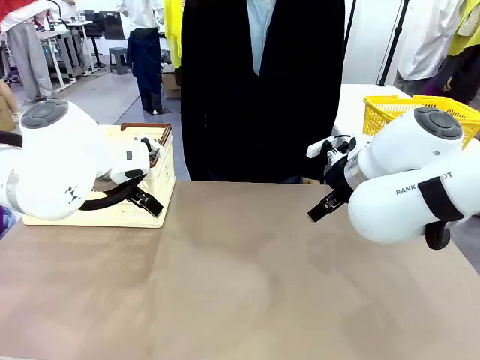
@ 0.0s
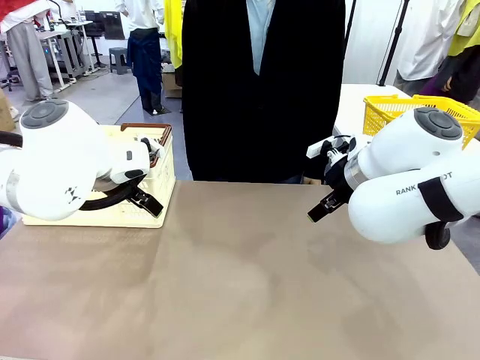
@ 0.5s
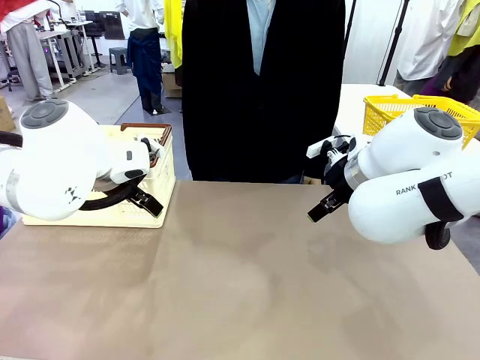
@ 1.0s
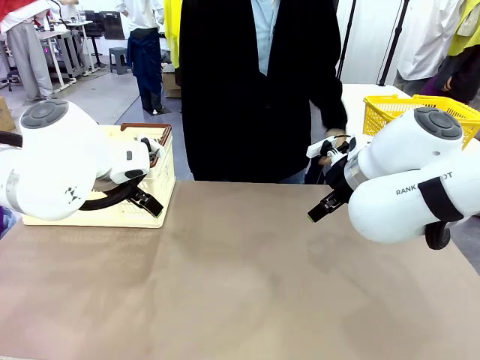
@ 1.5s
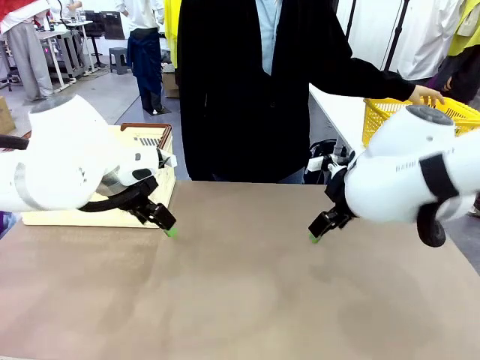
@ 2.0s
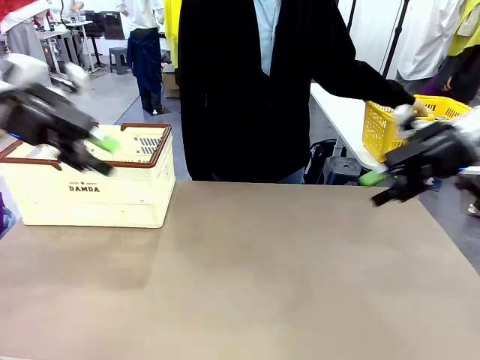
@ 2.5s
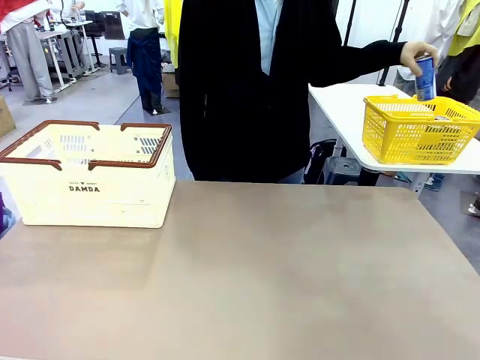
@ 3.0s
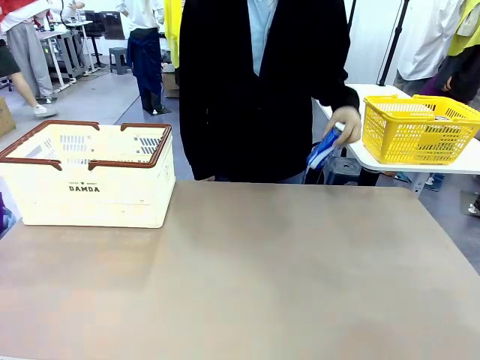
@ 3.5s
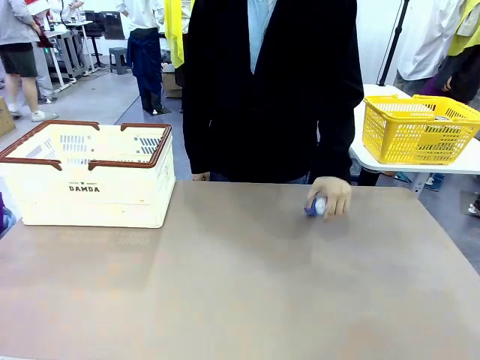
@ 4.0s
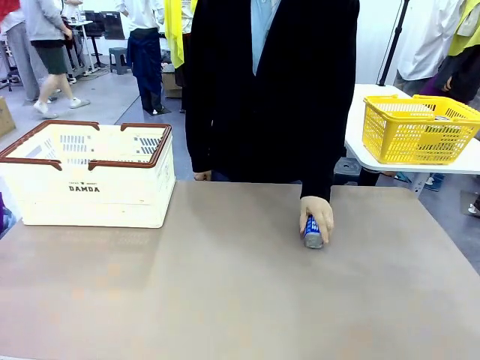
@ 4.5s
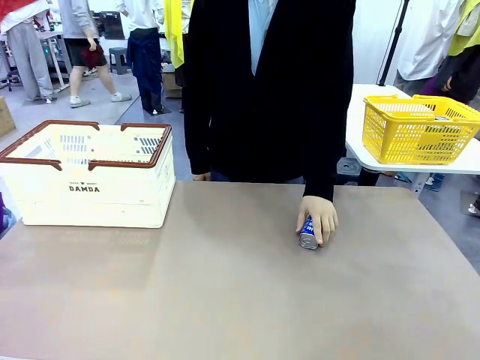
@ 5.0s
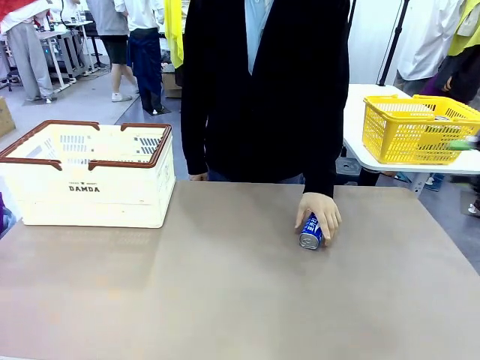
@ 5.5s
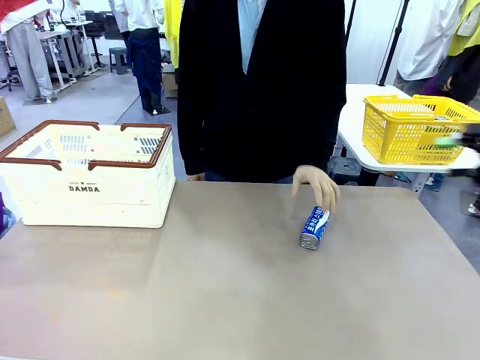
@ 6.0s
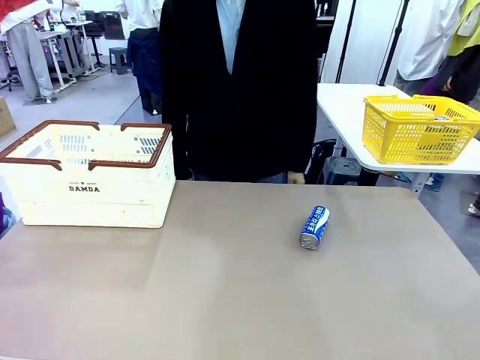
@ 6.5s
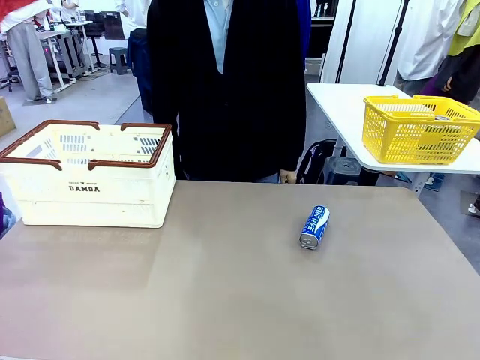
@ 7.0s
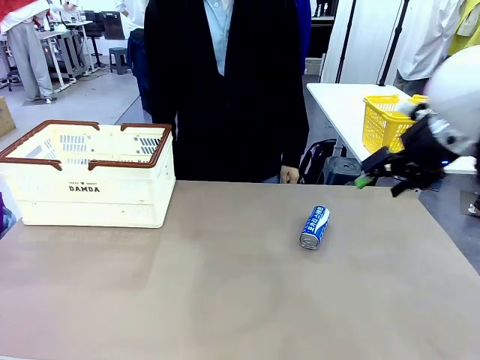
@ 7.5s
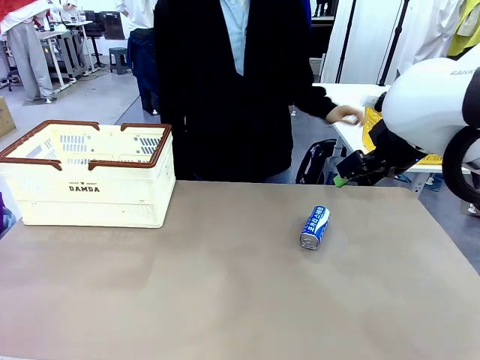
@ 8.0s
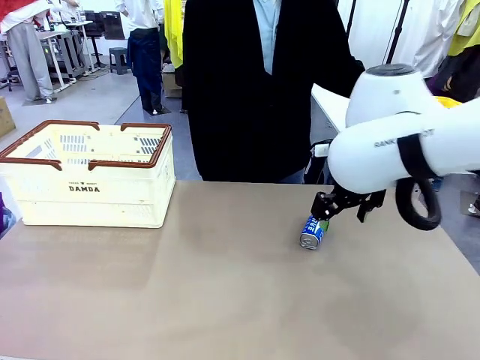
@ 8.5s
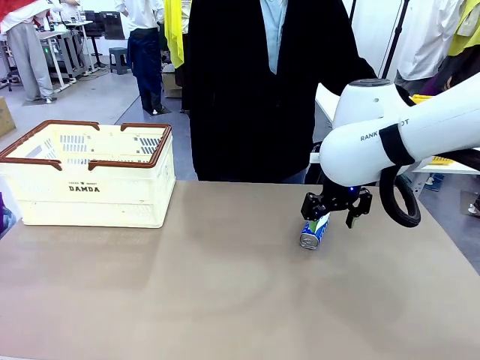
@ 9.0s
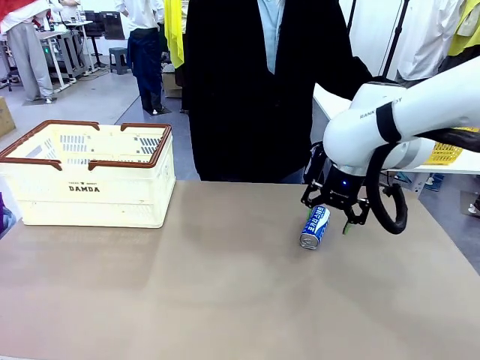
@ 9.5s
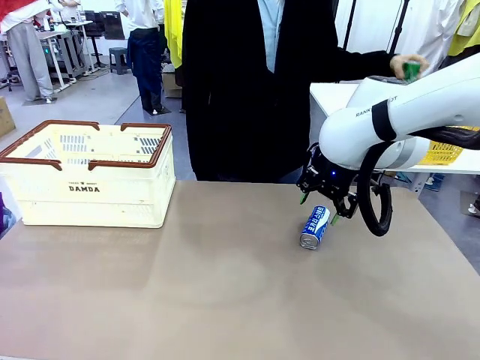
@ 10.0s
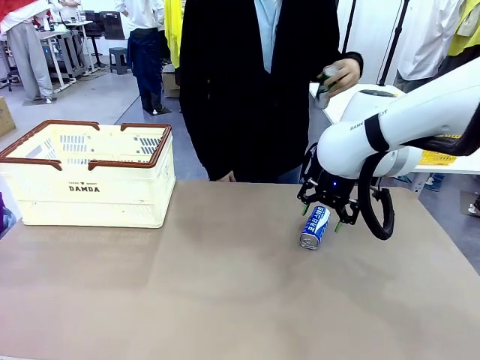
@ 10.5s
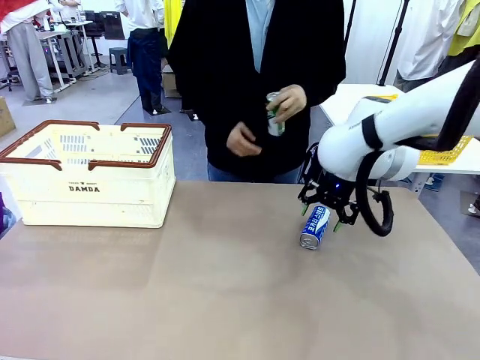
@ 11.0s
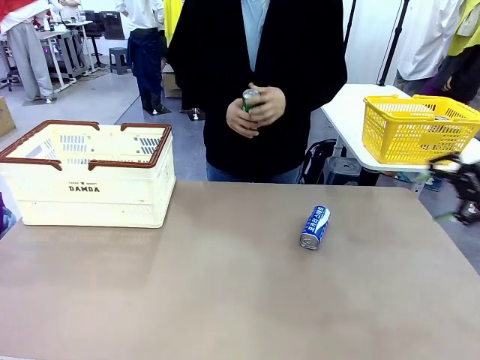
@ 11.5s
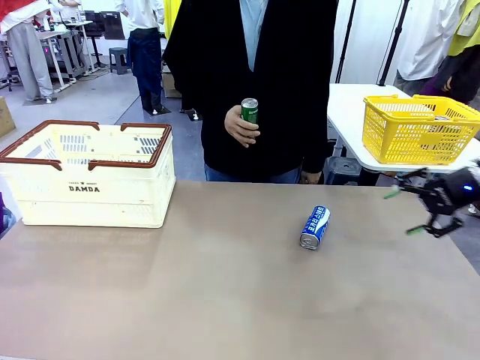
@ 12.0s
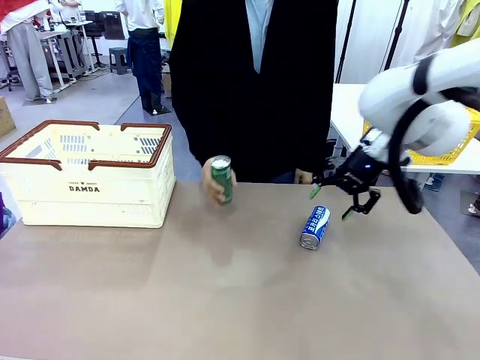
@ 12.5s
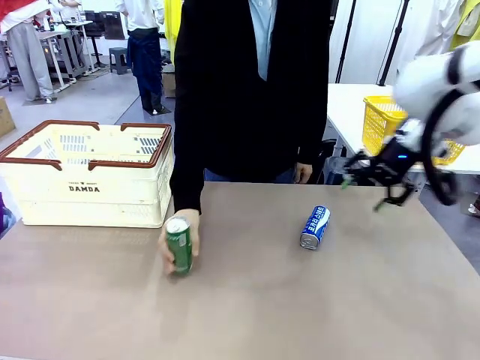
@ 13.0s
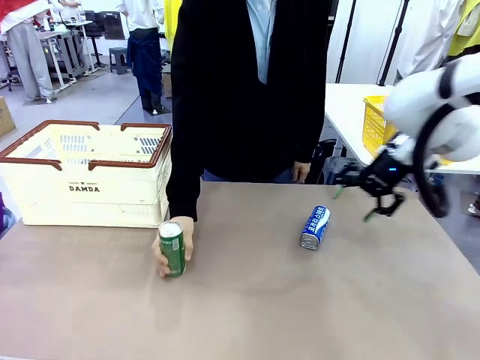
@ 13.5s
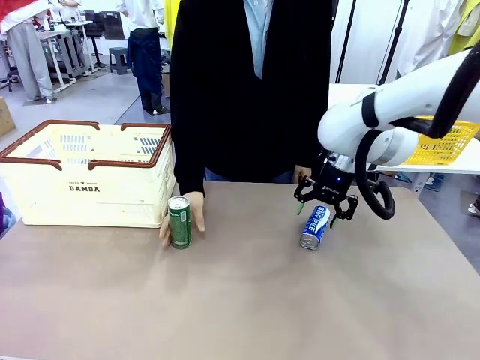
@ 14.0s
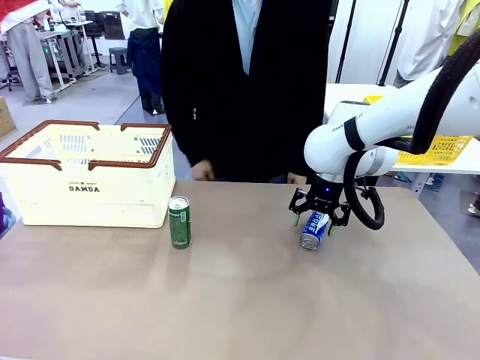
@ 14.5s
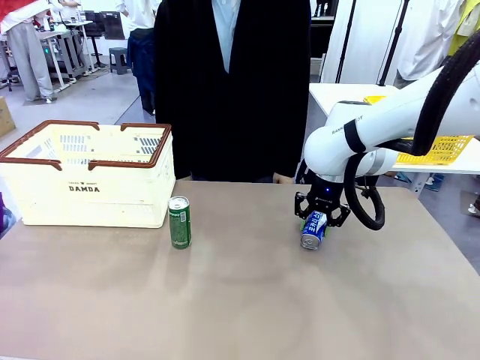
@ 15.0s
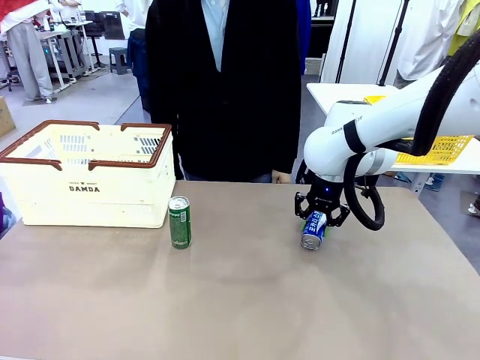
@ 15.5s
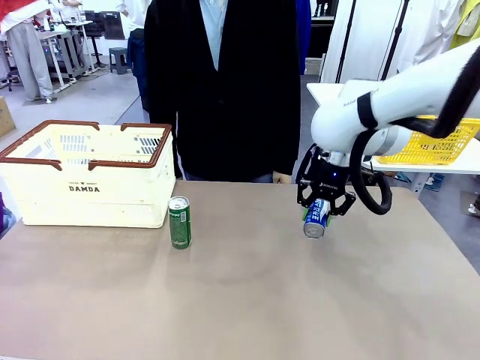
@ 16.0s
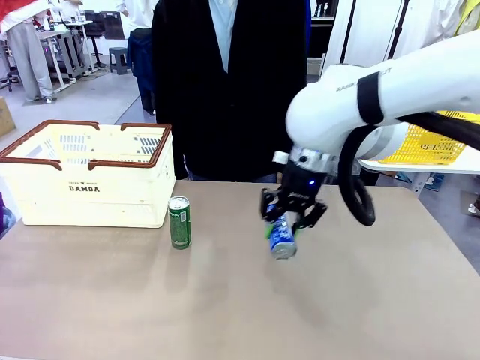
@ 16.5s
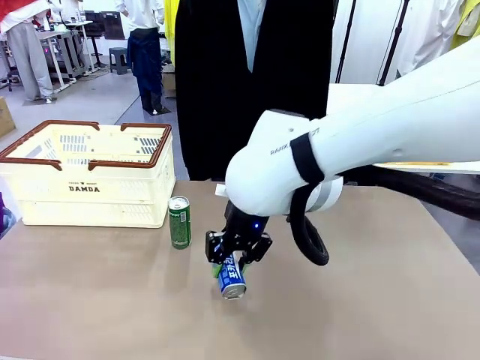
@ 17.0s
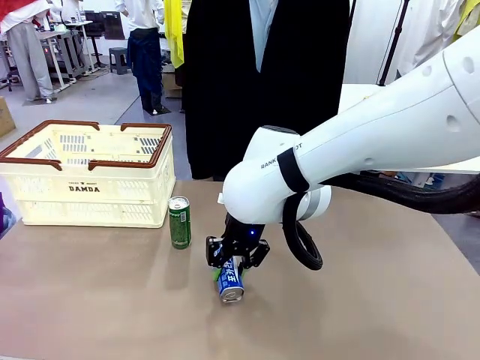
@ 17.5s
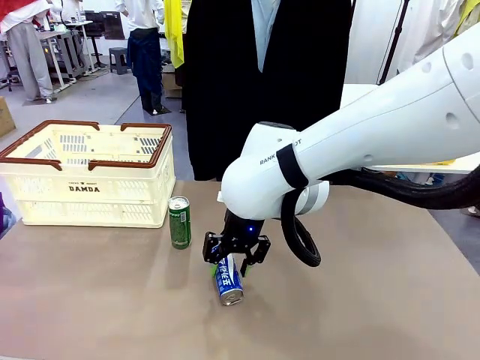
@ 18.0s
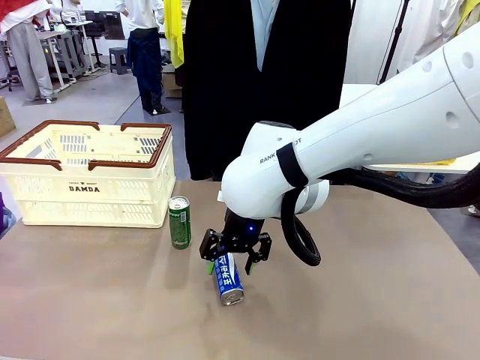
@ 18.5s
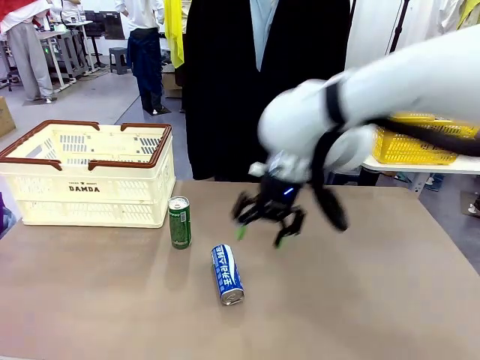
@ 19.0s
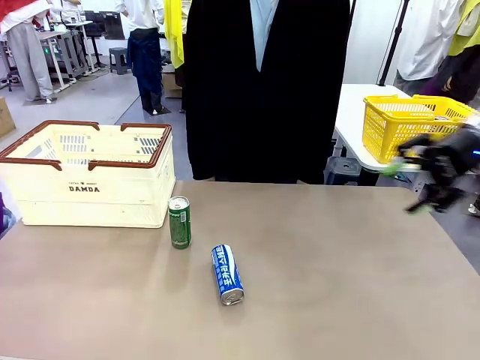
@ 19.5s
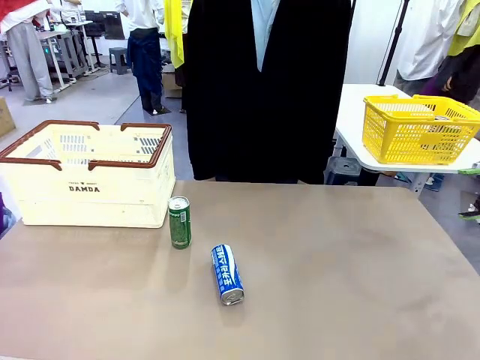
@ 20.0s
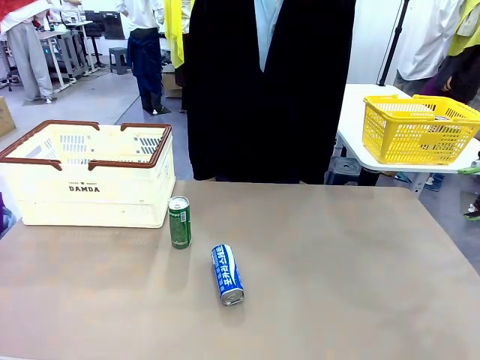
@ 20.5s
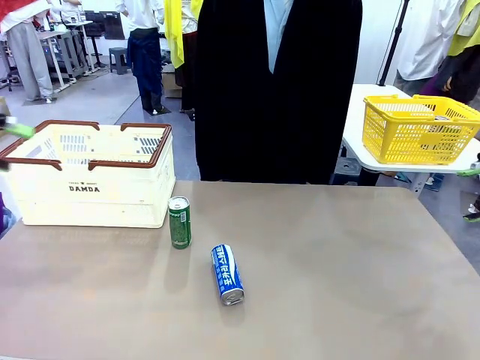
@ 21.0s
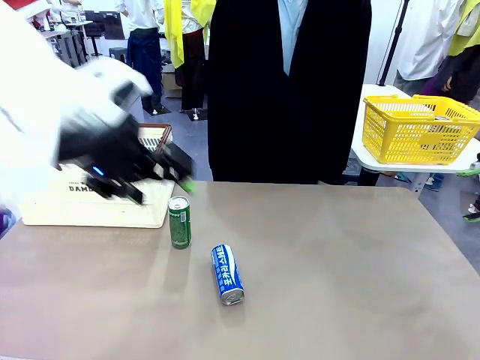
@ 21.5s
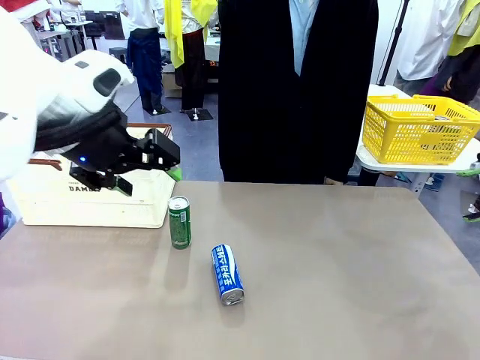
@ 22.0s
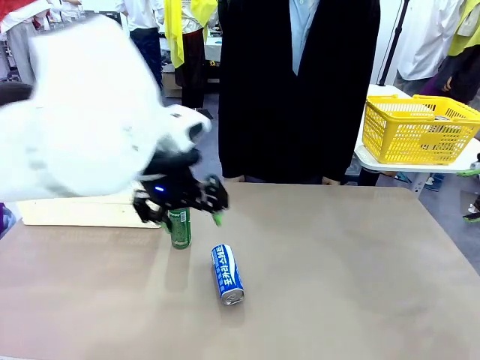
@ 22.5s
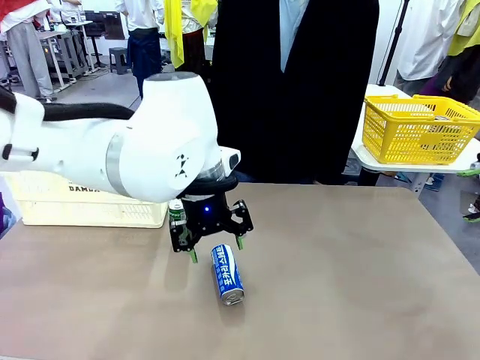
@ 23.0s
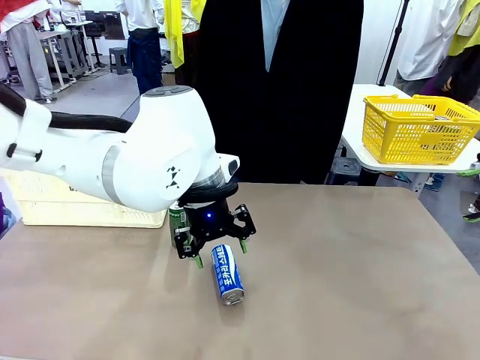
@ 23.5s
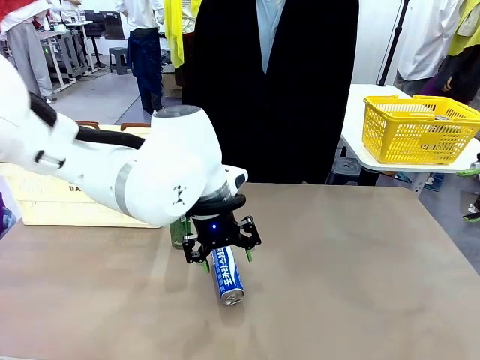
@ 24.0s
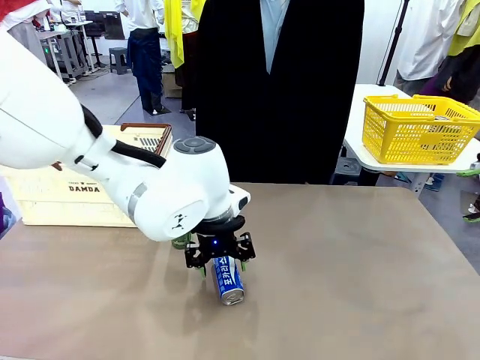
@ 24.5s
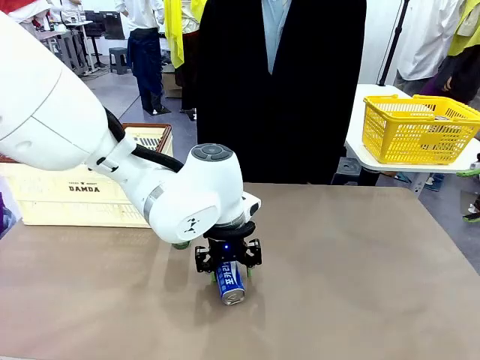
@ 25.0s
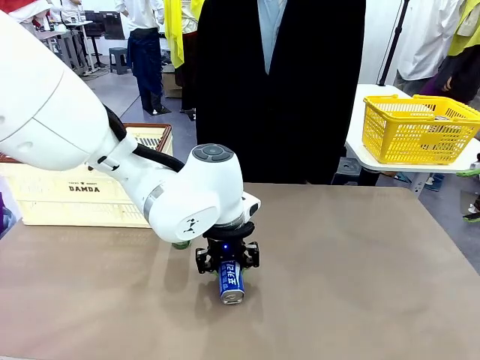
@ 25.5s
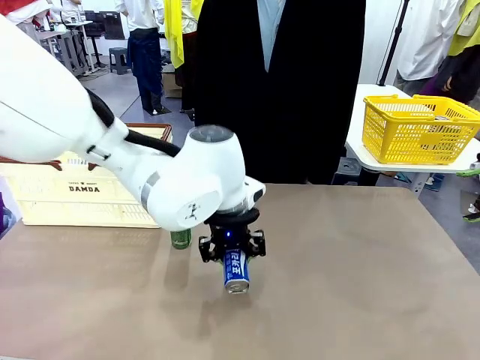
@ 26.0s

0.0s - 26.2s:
Task: Place the drinks into the Shopping basket.
Robot: Pick up one drink and place it into the Shopping basket.
